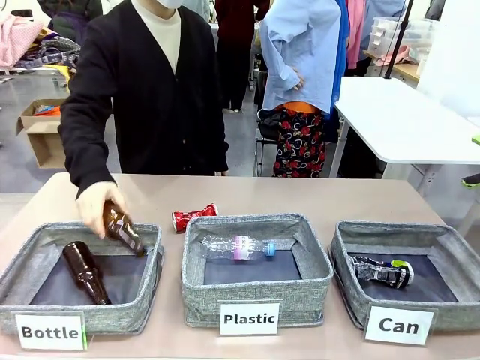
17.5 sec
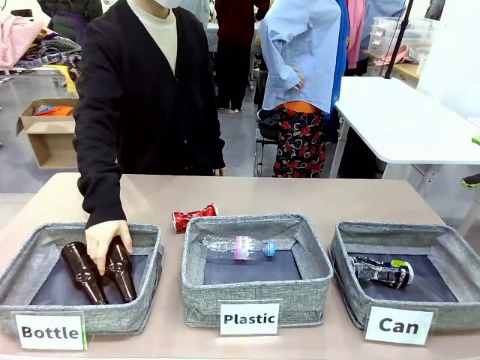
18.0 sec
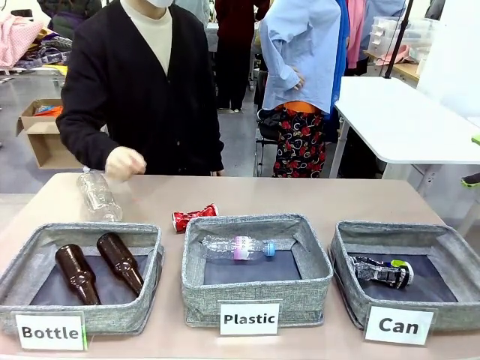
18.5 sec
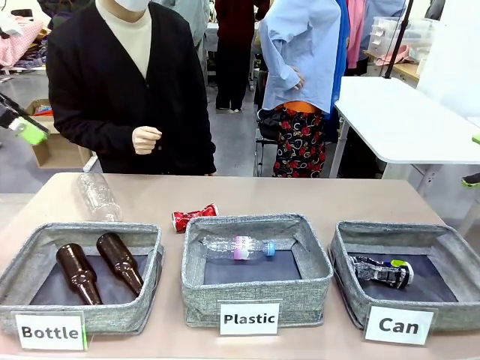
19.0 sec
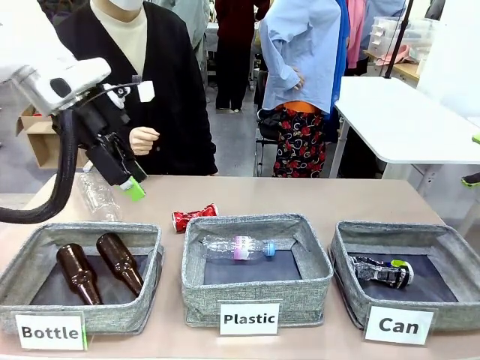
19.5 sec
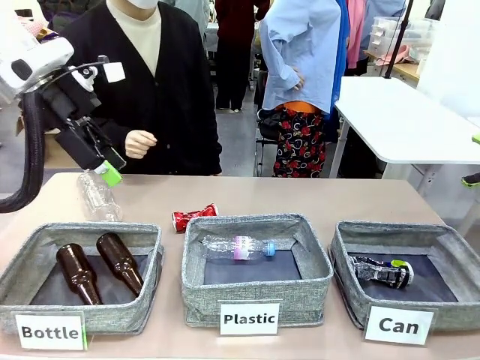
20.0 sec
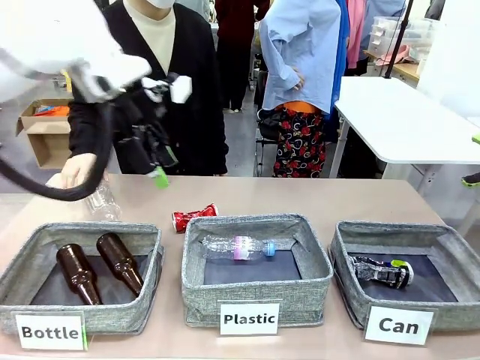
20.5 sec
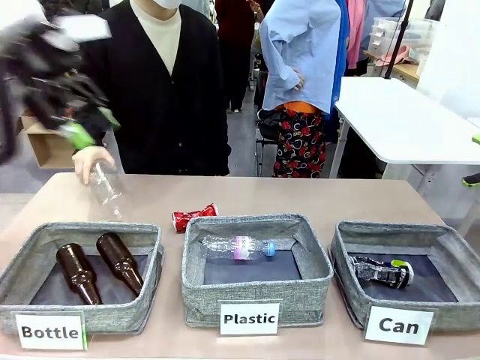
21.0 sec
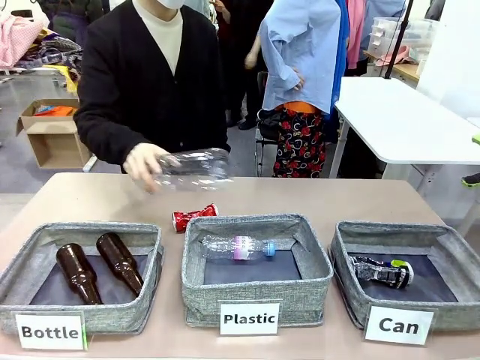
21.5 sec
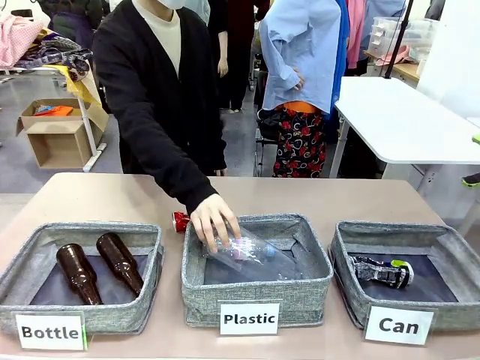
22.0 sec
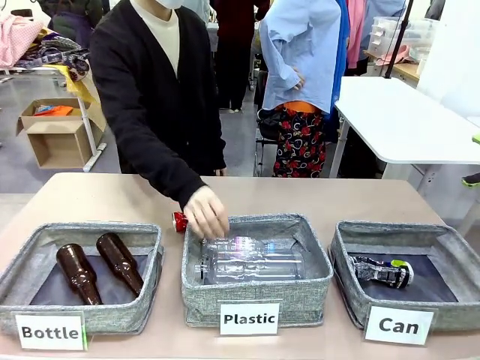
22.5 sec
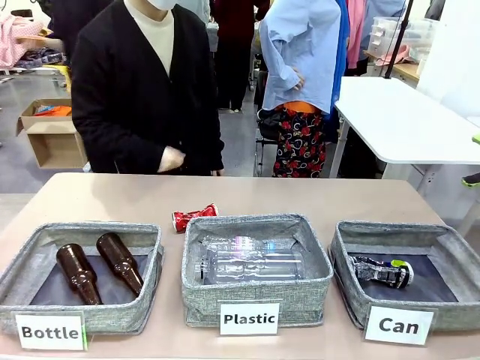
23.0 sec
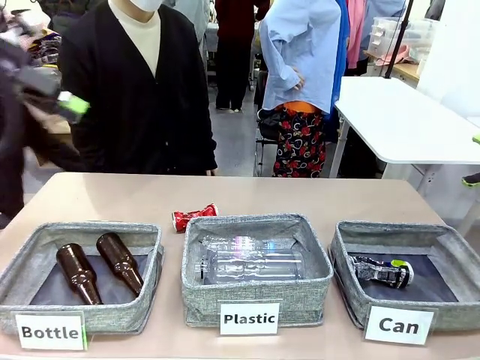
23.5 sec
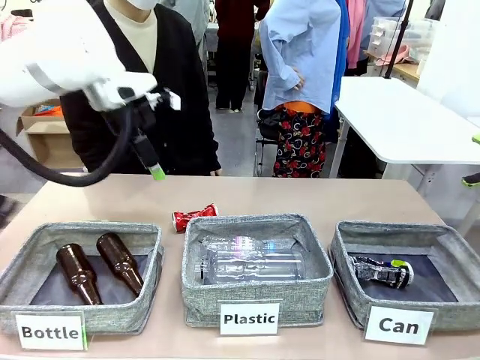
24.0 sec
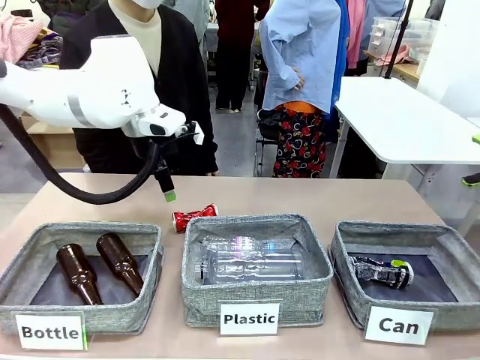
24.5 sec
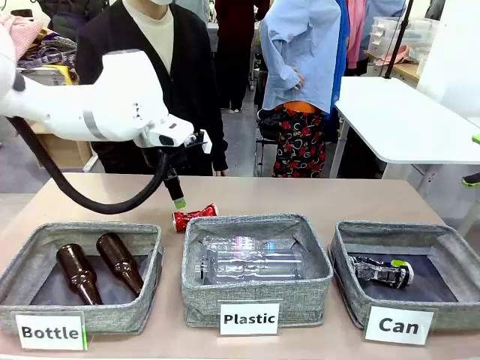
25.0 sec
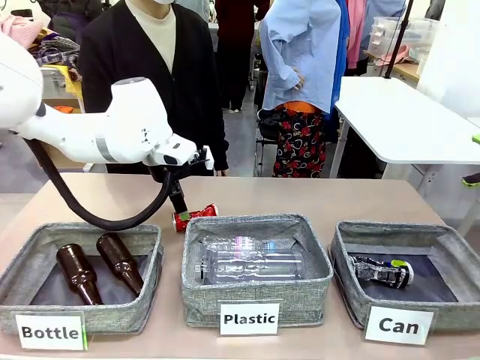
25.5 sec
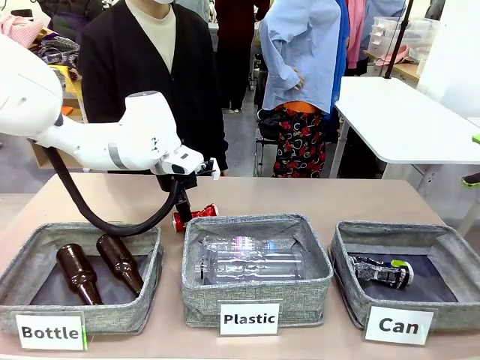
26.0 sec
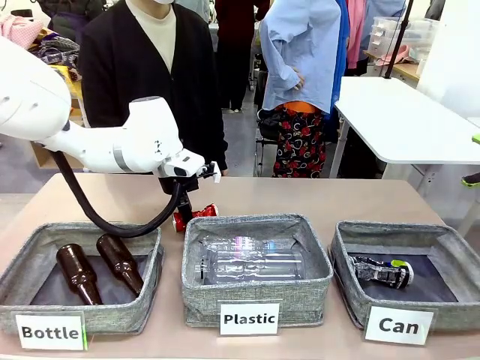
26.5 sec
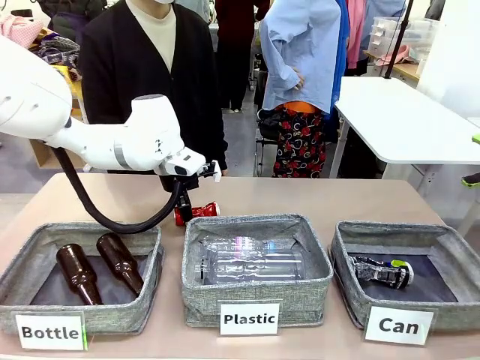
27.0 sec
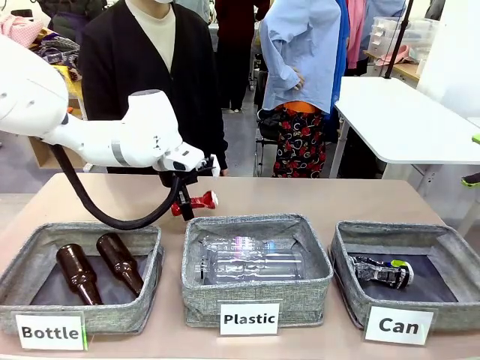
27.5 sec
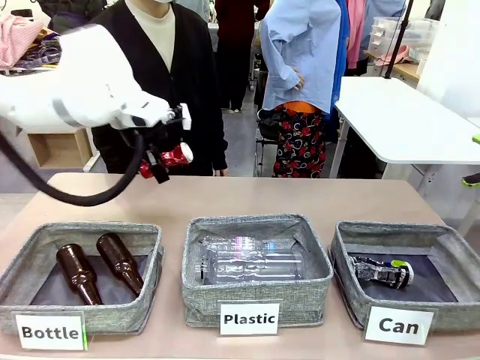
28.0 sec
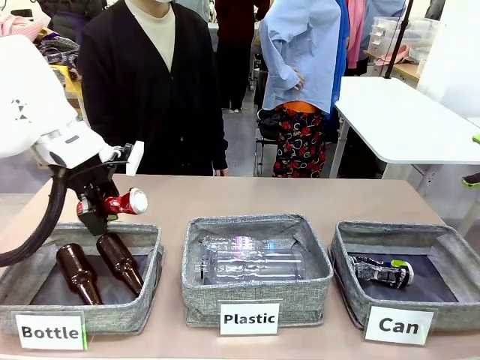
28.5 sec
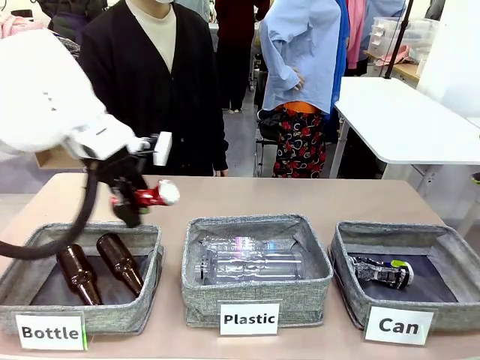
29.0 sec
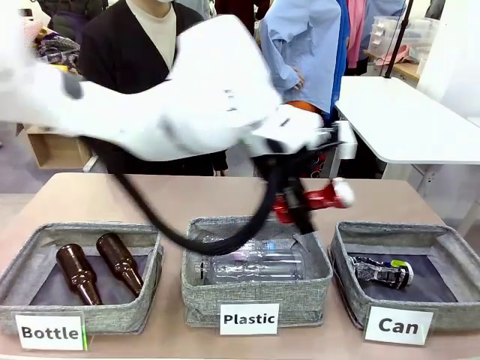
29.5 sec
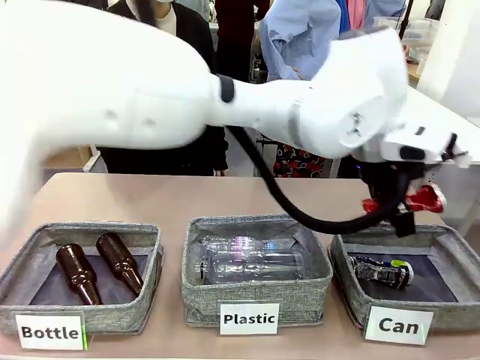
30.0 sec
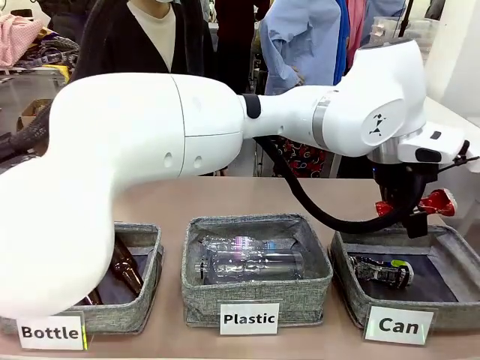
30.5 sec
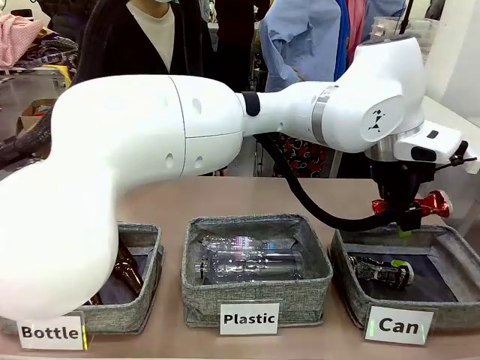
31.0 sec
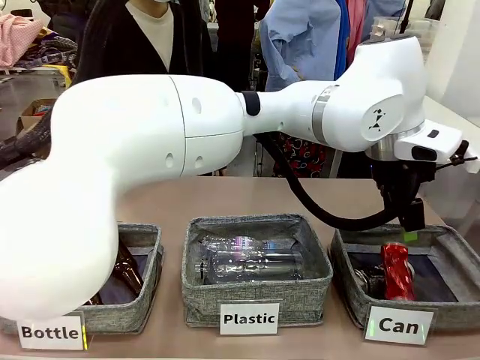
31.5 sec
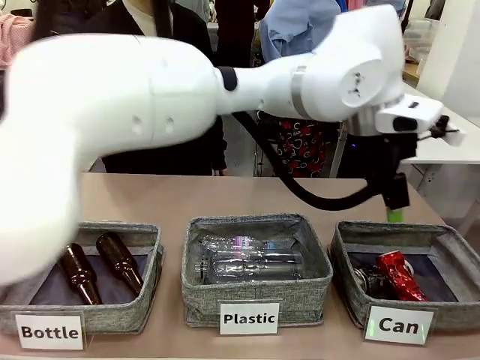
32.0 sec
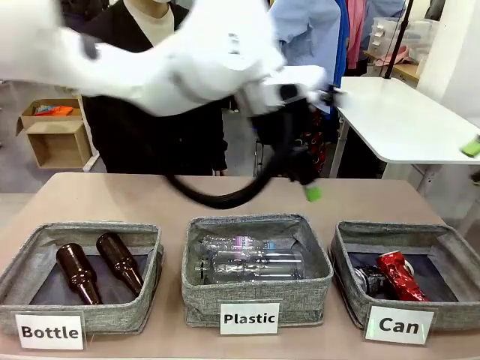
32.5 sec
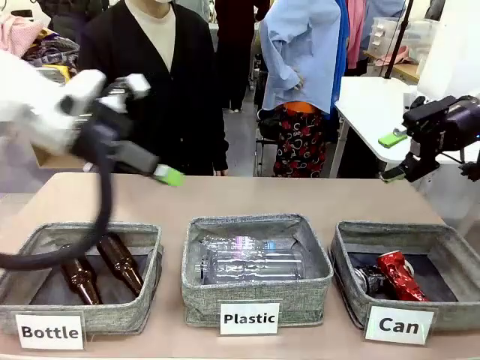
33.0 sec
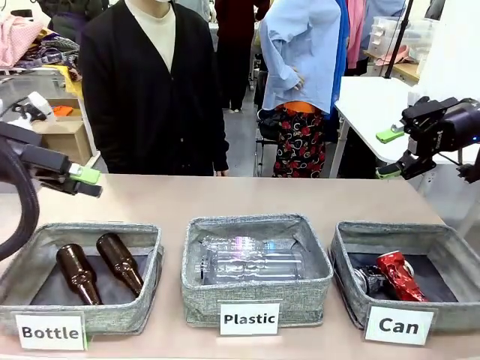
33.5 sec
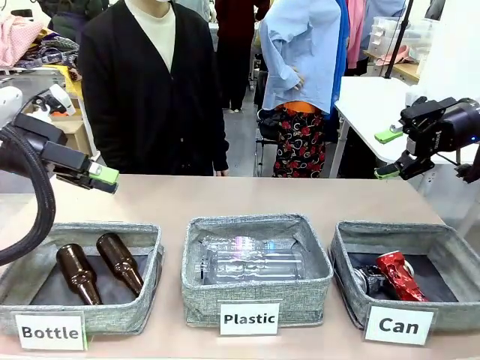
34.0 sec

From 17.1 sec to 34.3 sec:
Task: Sort the can waste into the basket.
Robot: Pick up the can waste from the table and place it in the right Fabric basket.
Person: The human picks up one piece of trash that is not a can and places the trash into the appropriate organizing basket.

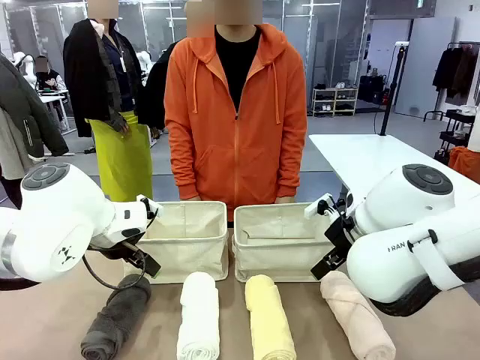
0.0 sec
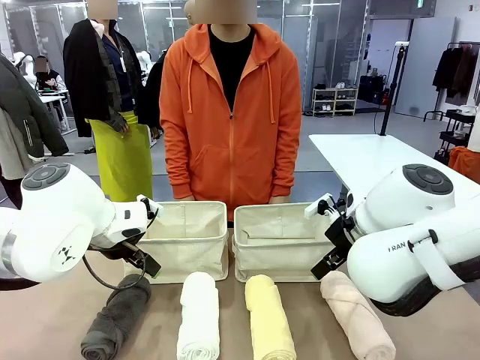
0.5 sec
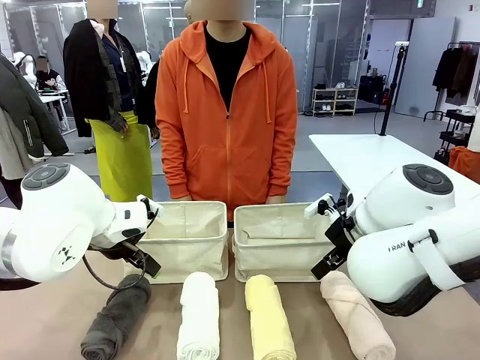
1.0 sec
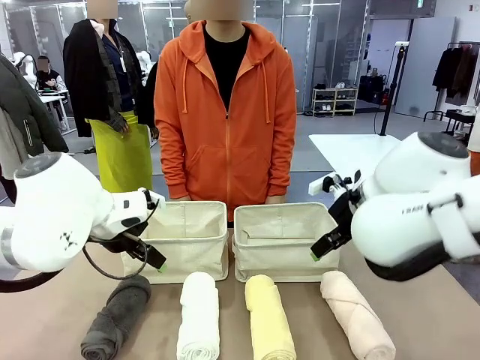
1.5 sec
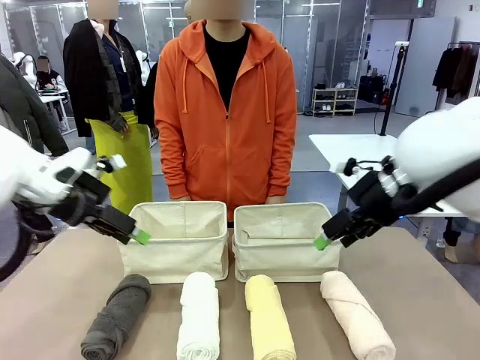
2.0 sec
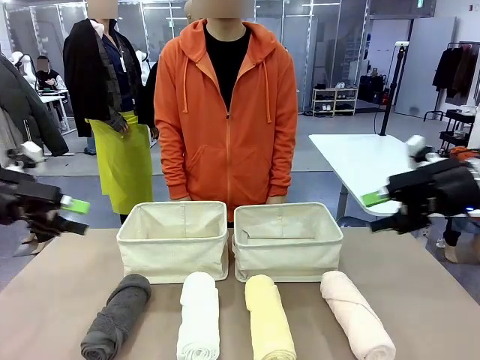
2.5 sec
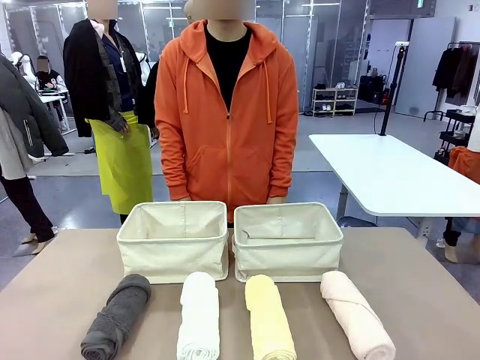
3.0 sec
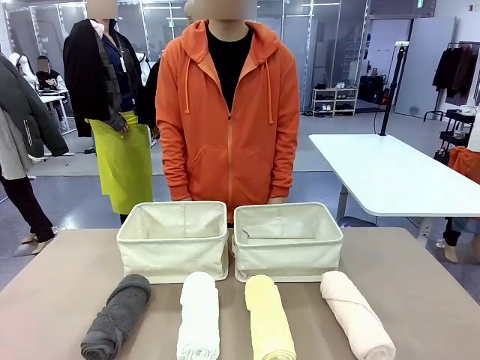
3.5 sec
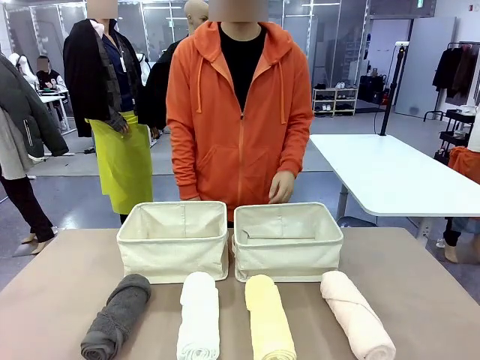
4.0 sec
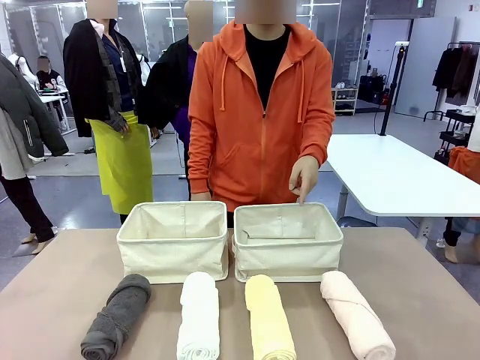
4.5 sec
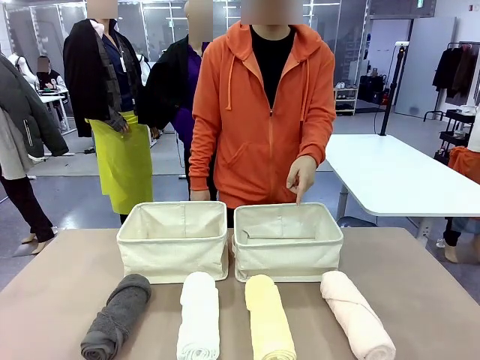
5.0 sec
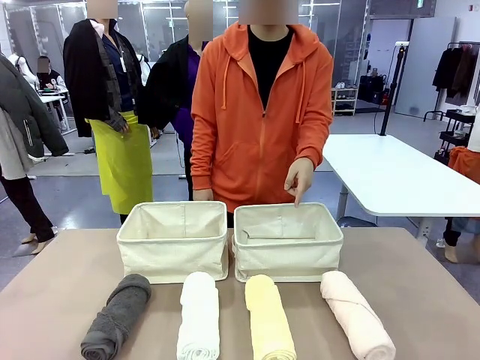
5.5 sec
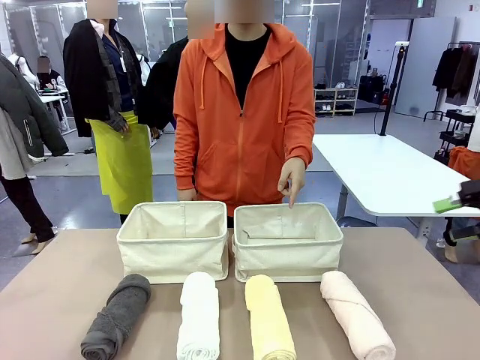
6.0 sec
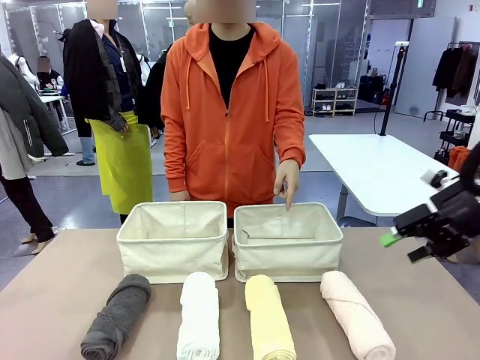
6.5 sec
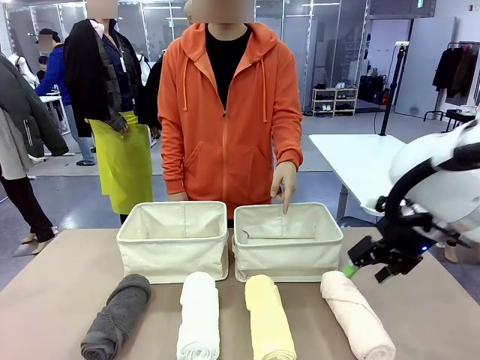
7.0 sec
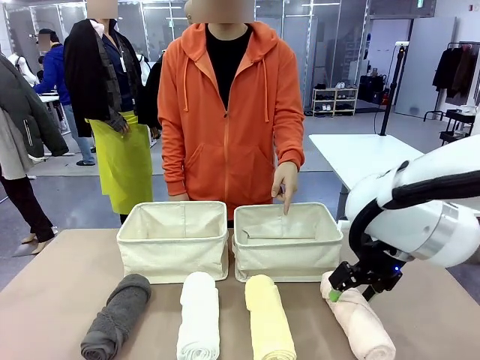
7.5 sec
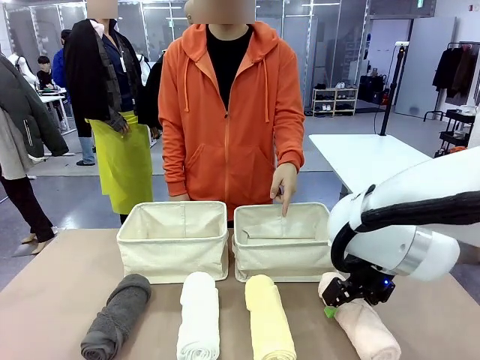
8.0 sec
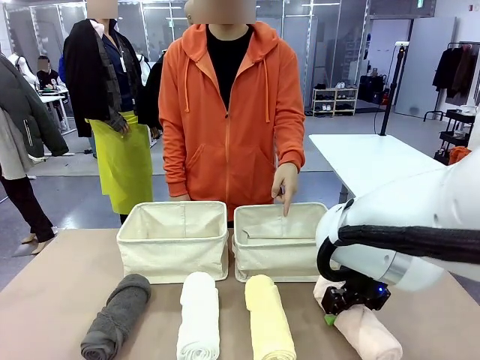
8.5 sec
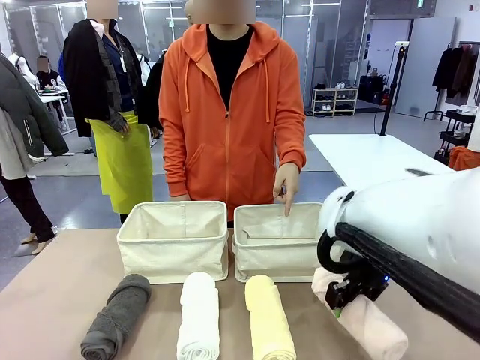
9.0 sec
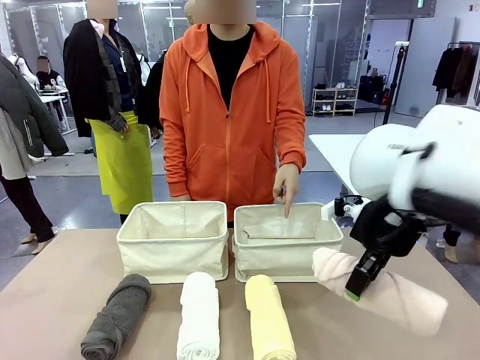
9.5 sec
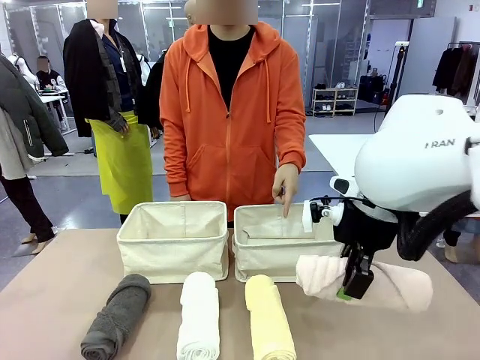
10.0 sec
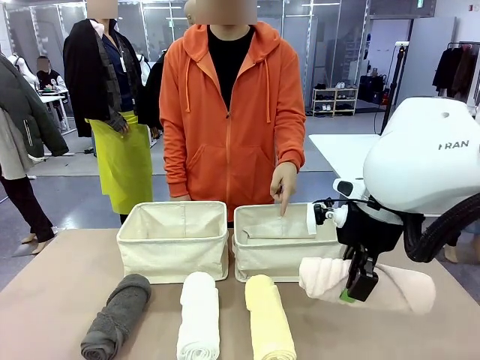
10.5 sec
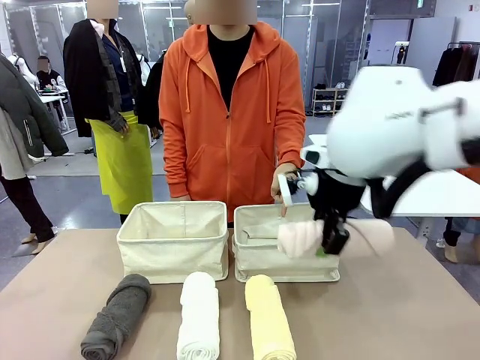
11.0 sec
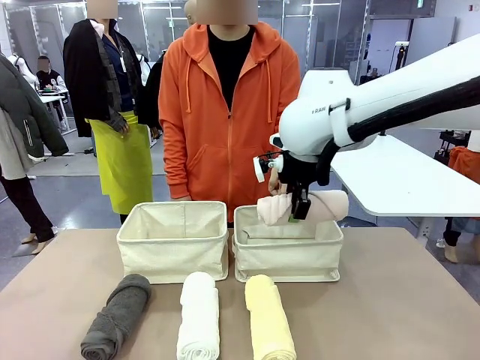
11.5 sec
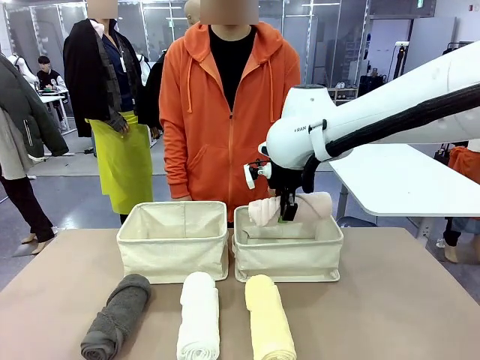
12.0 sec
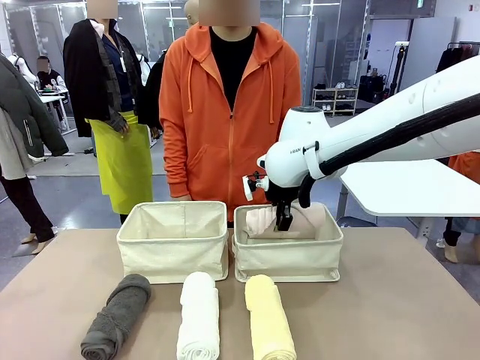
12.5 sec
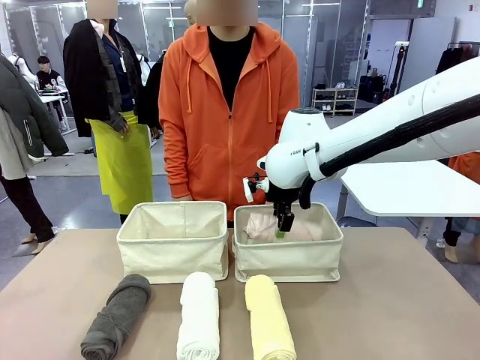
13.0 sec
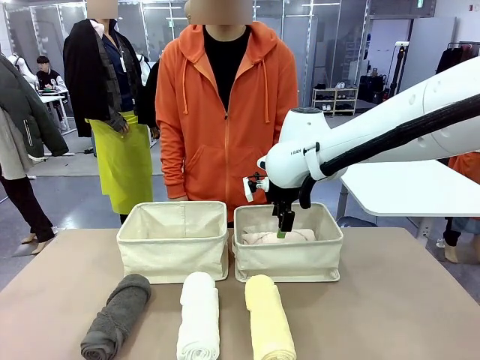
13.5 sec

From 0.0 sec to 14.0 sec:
Task: Divide the towels into two baskets.
Robot: Pick up one hotel-folded towel and place it in the Fabric basket indicated by the person.
